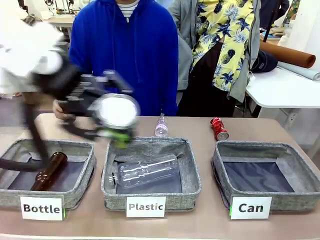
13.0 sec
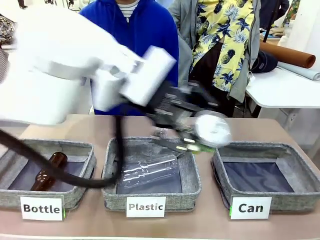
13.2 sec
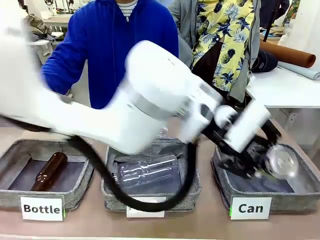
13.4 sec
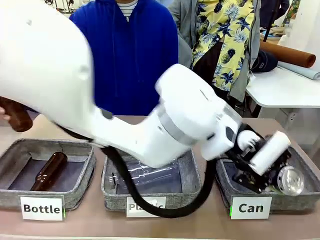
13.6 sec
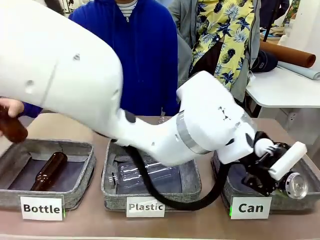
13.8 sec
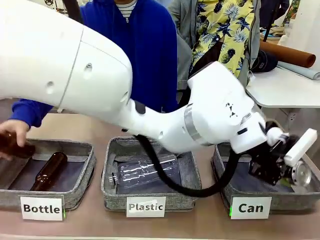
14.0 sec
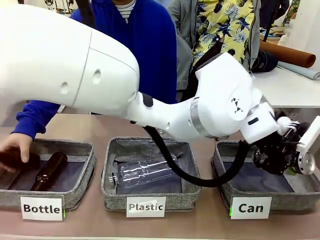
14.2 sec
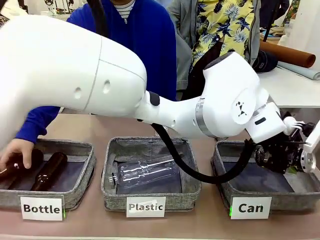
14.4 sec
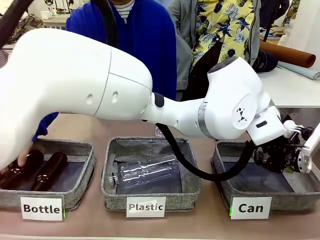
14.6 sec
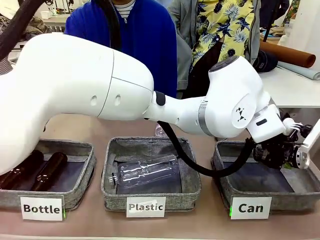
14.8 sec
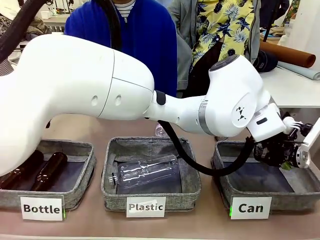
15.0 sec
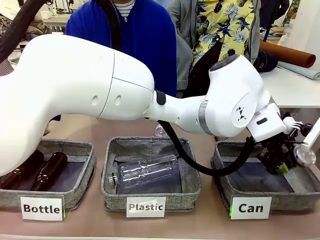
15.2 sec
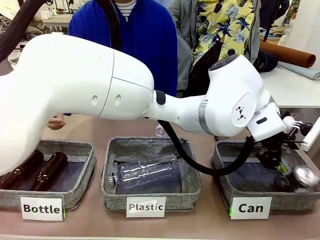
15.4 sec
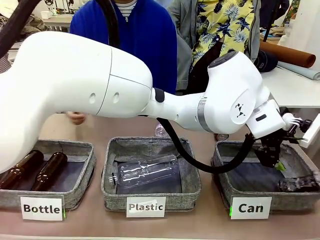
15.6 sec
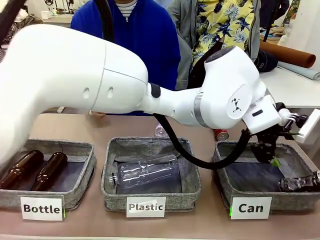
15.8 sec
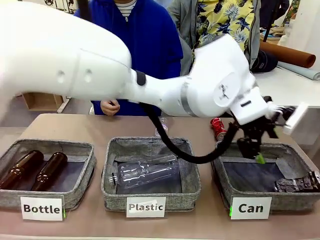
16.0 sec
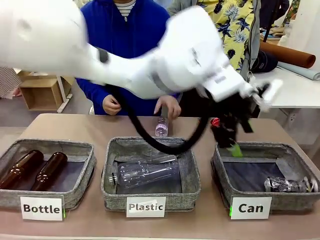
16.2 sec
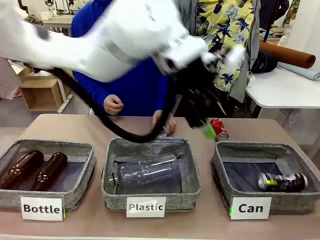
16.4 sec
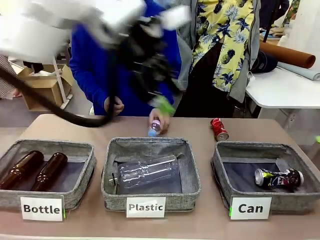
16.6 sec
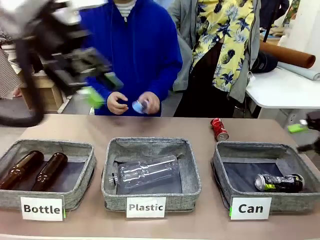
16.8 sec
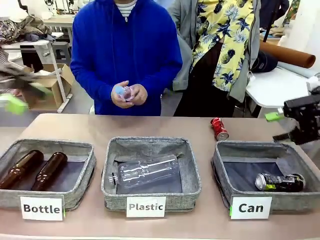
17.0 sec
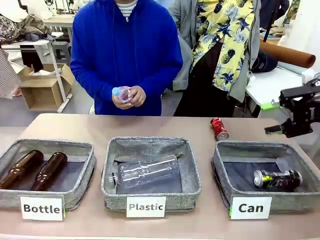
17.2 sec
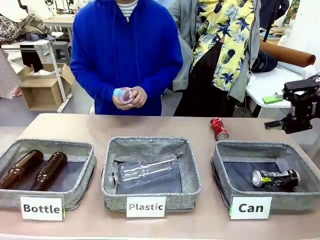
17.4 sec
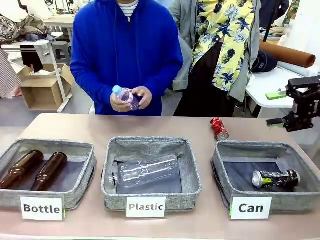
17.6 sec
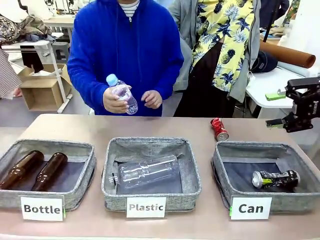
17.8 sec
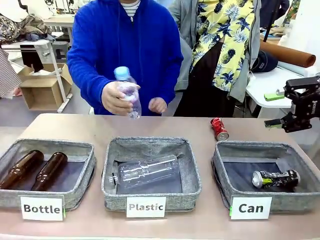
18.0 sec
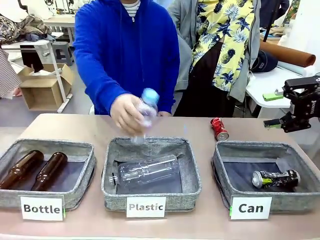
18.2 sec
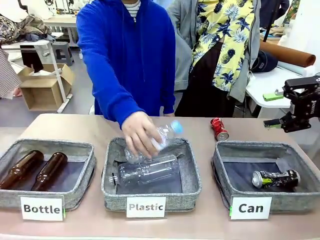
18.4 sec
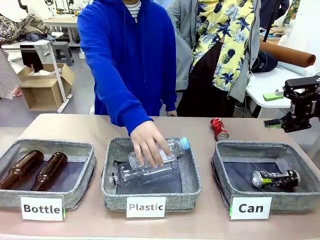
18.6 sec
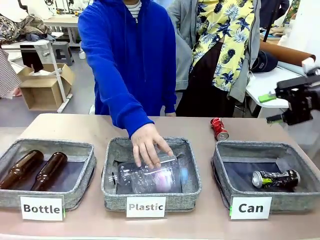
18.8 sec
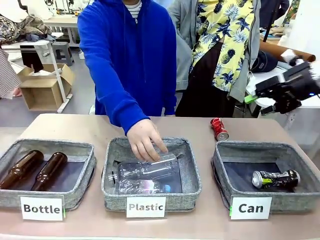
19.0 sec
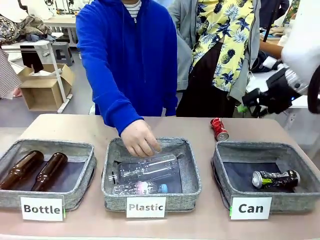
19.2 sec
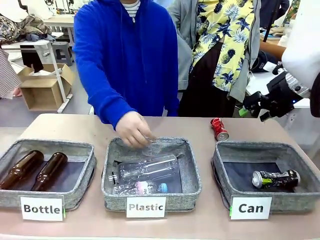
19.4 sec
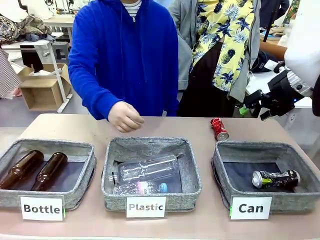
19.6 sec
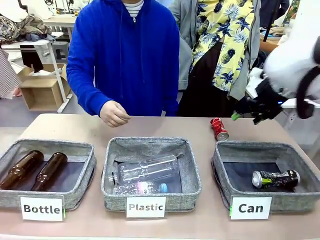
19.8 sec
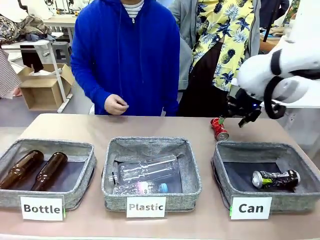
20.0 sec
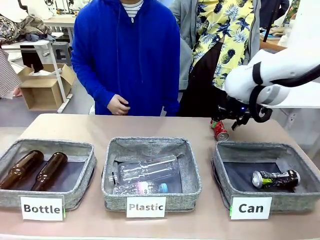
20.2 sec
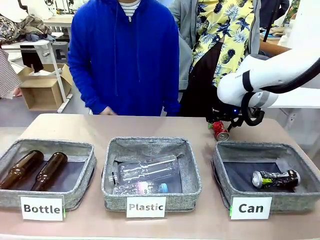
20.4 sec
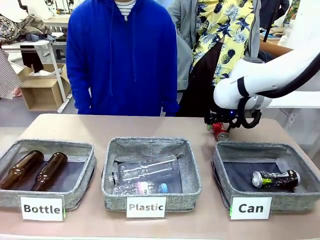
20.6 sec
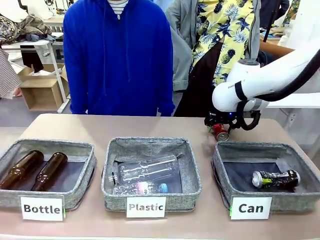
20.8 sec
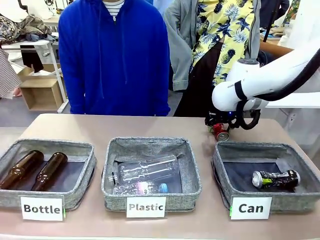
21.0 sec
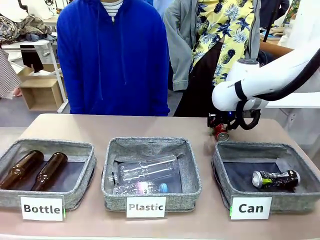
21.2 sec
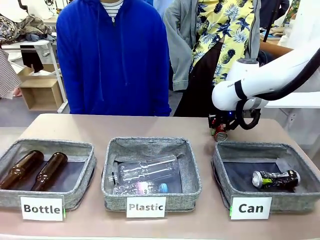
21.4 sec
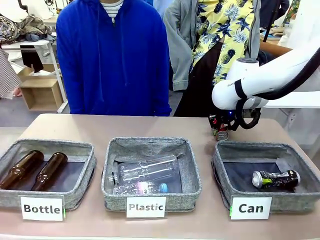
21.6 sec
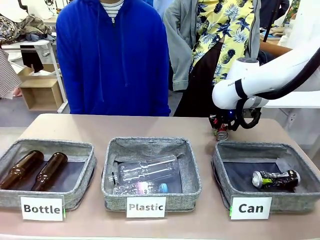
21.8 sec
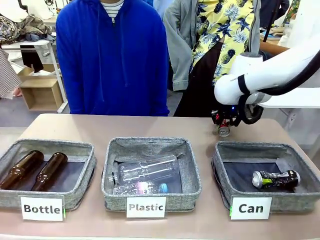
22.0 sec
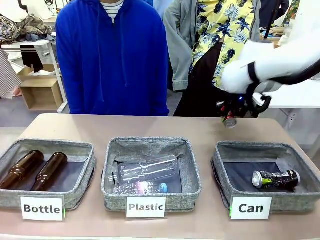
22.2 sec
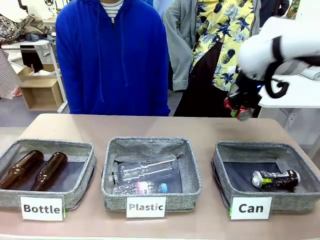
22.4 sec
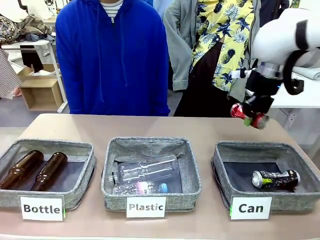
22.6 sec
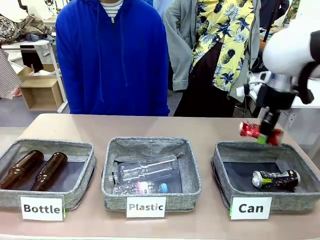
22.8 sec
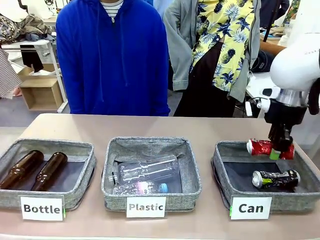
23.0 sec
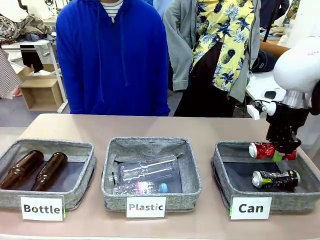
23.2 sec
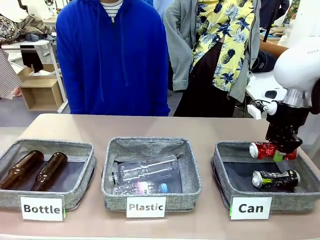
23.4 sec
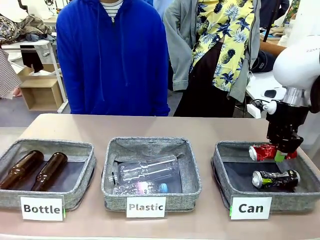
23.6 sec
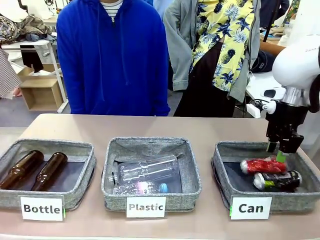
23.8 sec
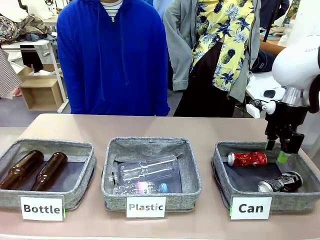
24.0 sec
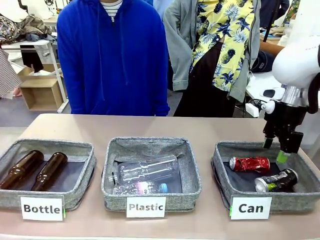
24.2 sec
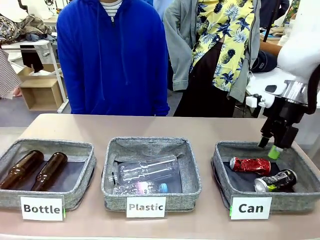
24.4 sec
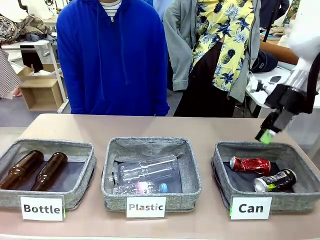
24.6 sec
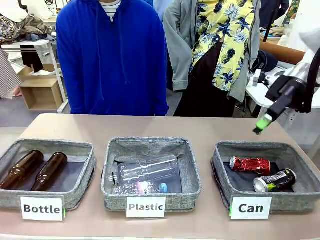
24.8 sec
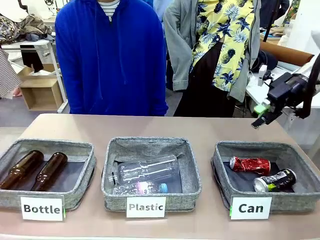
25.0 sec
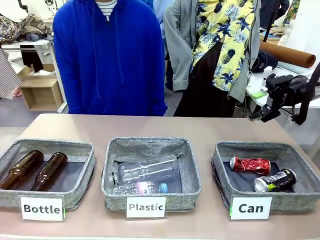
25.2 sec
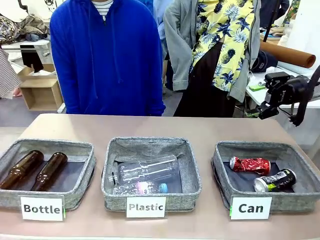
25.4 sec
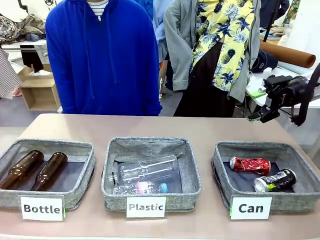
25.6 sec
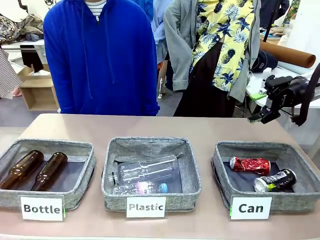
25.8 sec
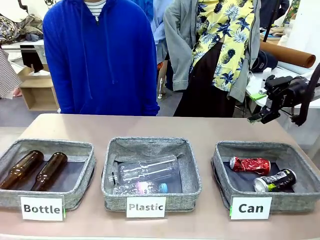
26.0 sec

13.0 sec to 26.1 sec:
Task: Sort the can waste into the basket.
Robot: Pick up the can waste from the table and place it in the right Fabric basket.
Person: The human picks up one piece of trash that is not a can and places the trash into the appropriate organizing basket.
